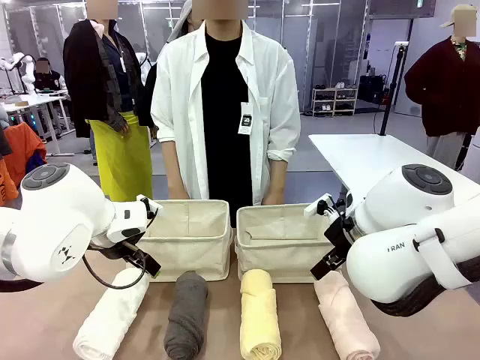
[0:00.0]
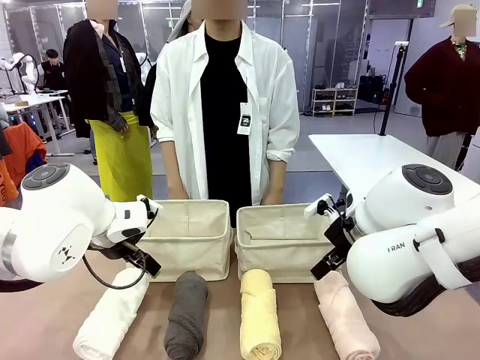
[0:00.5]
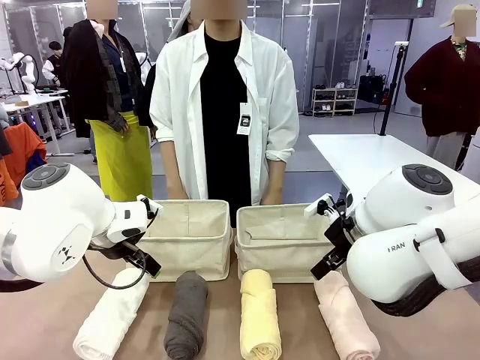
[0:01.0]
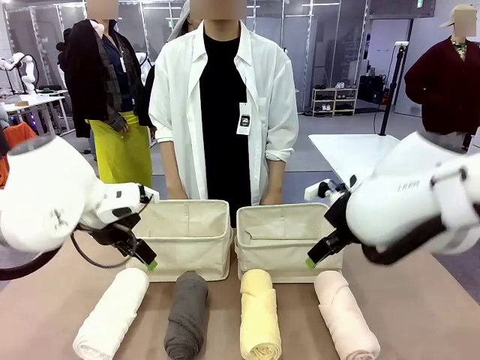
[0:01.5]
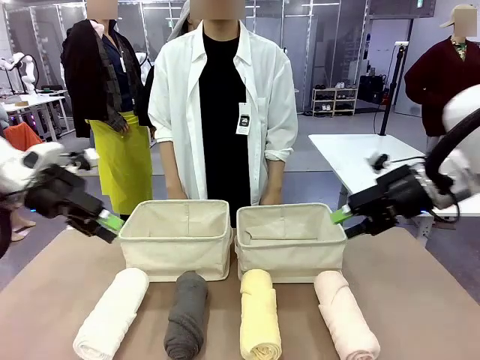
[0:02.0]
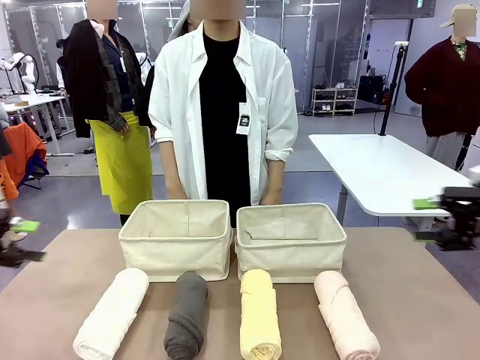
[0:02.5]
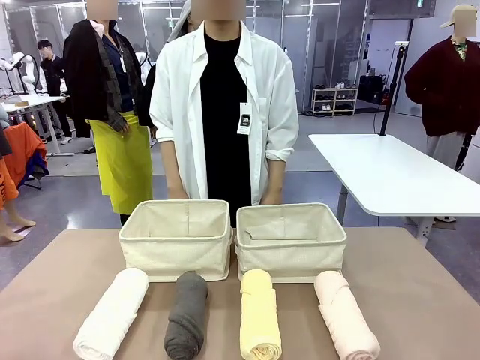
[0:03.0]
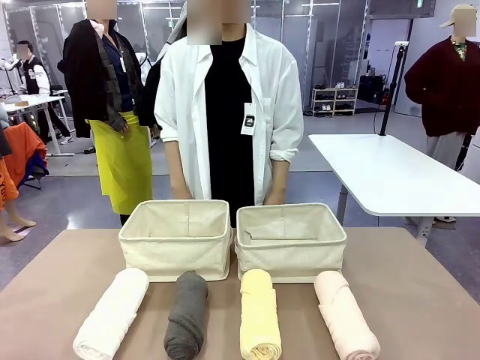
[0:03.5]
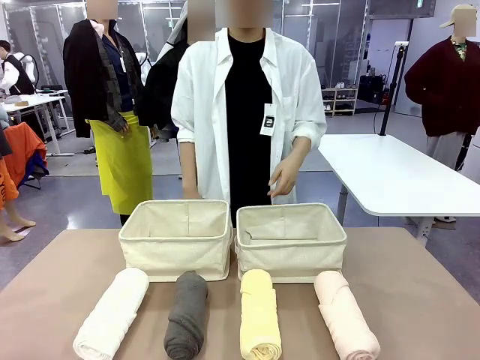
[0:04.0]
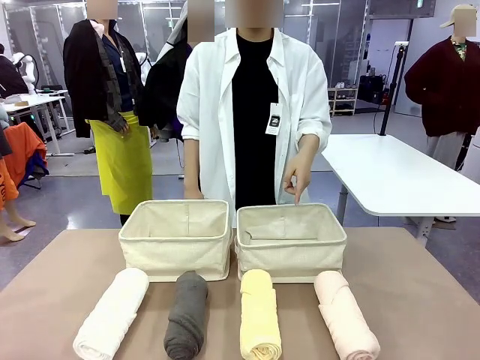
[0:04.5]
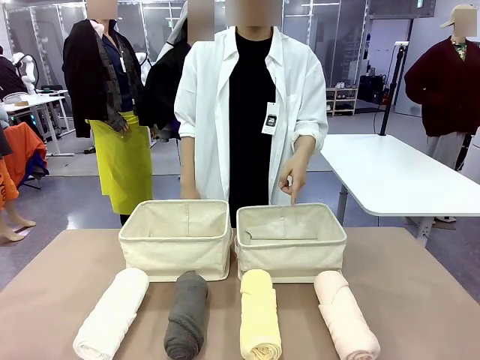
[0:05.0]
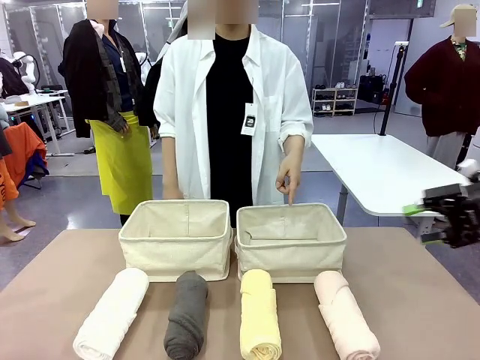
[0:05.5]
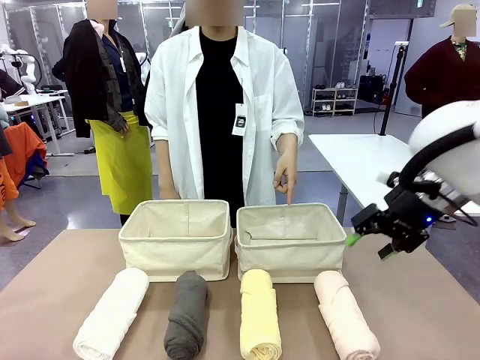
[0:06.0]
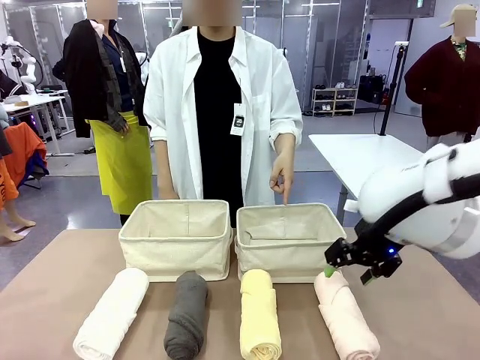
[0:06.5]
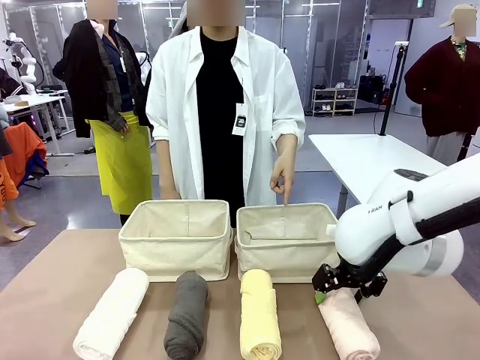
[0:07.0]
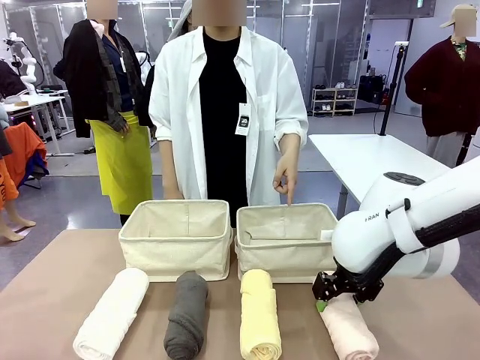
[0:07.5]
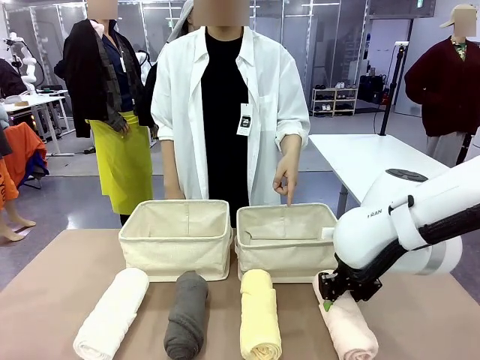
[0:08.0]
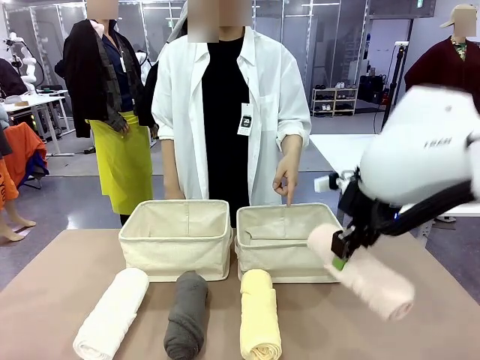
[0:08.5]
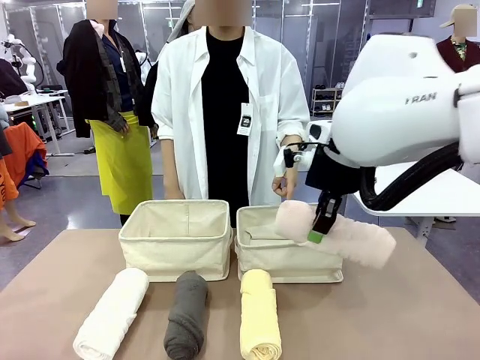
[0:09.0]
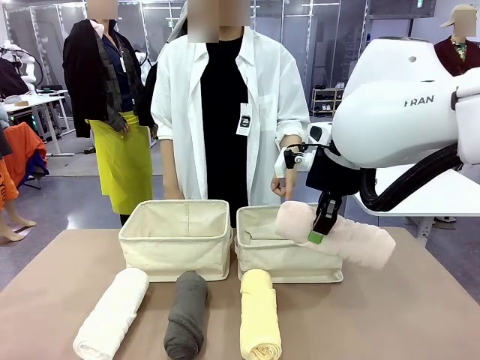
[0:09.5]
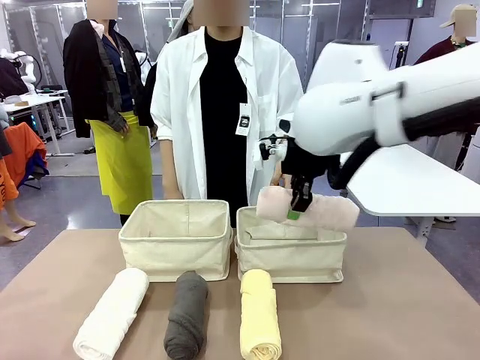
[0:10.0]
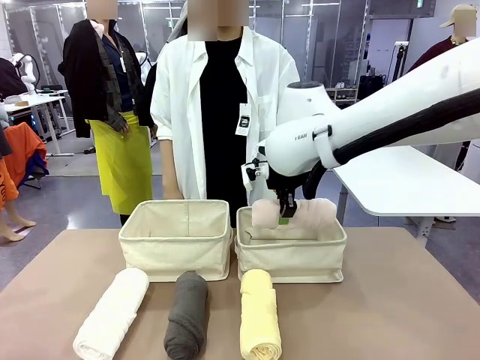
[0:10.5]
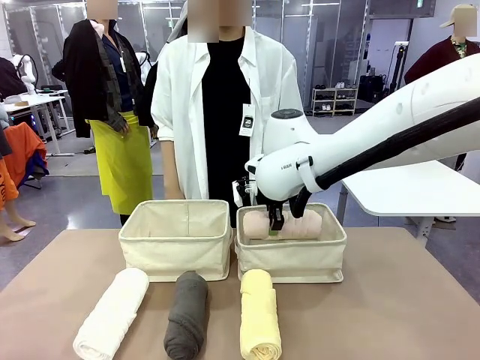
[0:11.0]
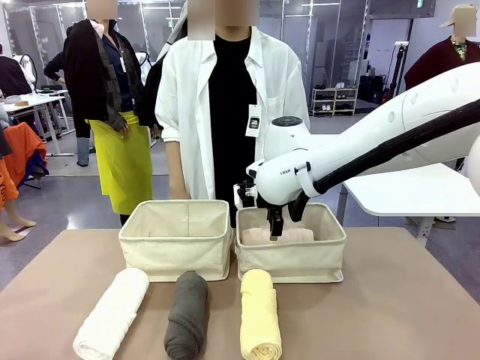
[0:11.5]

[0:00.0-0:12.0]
Task: Divide the towels into two baskets.
Robot: Pick up one hotel-folded towel and place it in the Fabric basket indicated by the person.

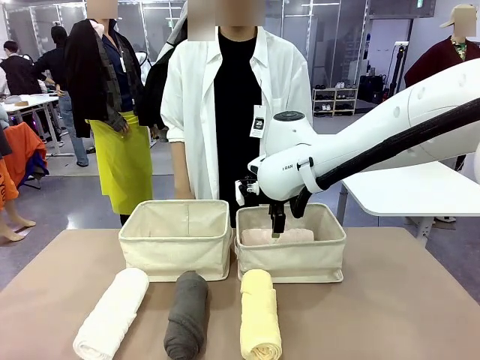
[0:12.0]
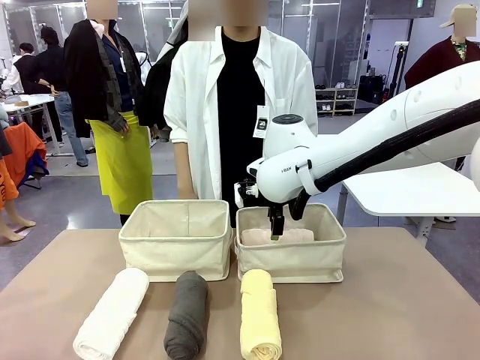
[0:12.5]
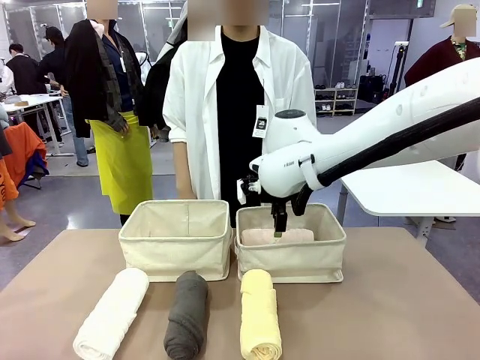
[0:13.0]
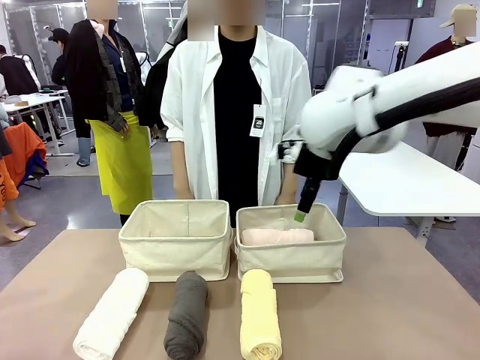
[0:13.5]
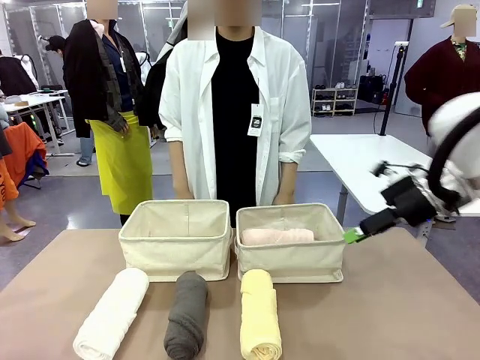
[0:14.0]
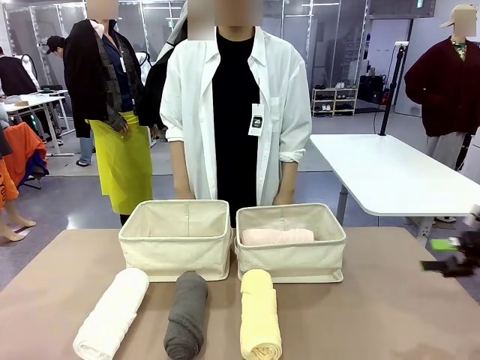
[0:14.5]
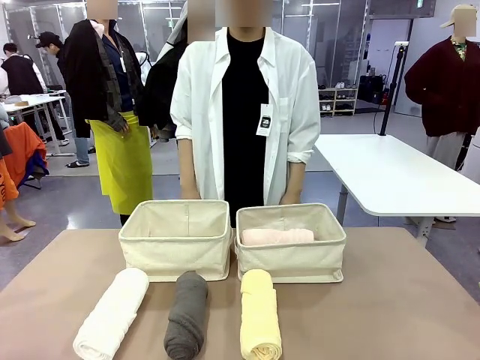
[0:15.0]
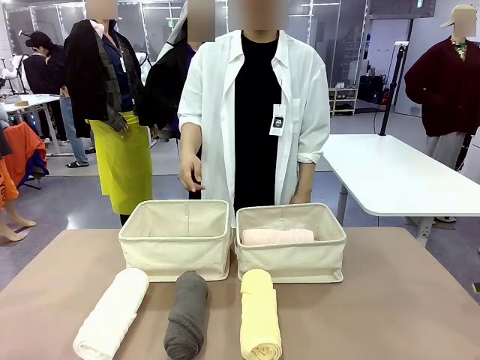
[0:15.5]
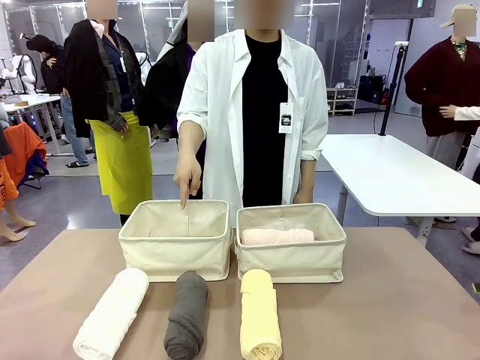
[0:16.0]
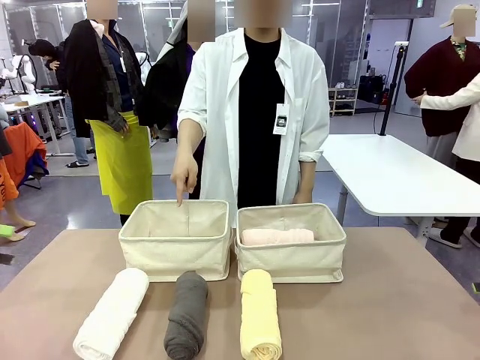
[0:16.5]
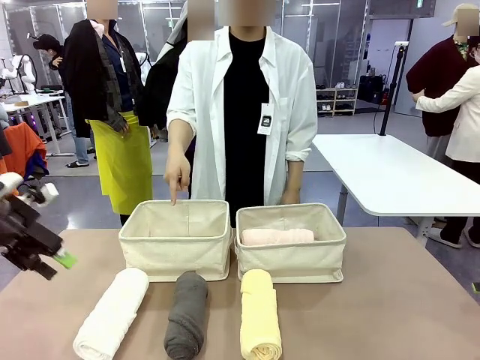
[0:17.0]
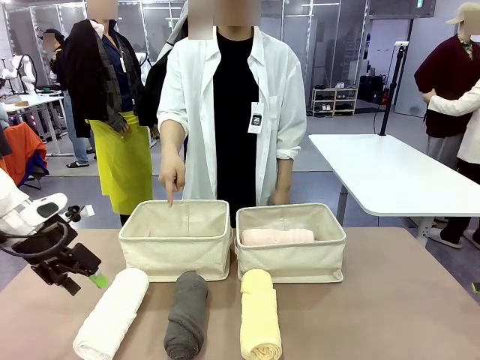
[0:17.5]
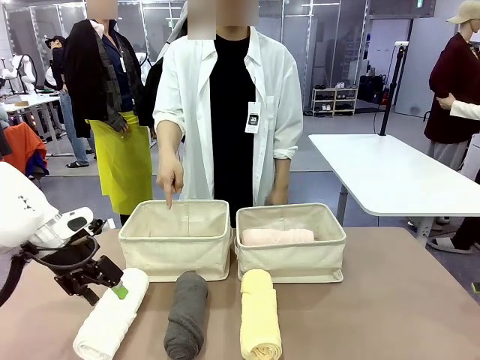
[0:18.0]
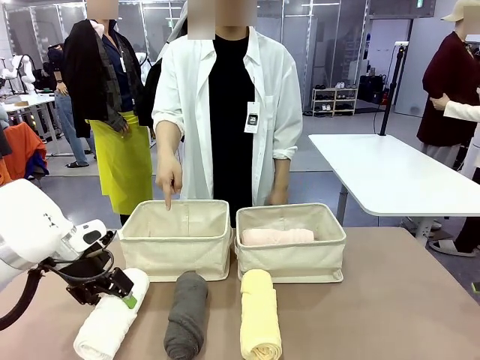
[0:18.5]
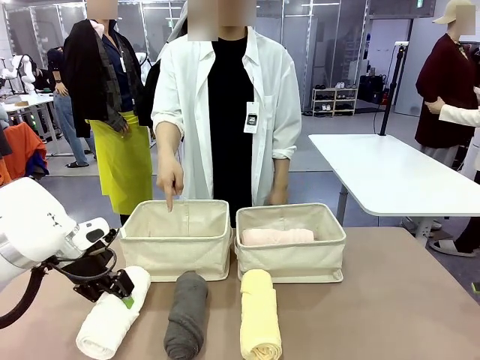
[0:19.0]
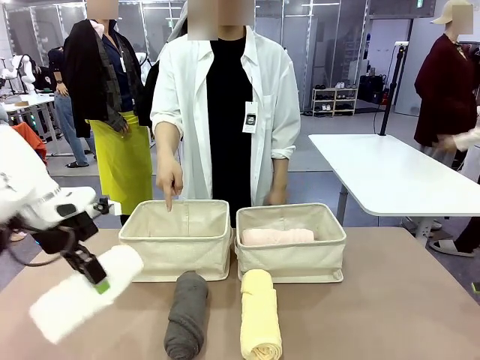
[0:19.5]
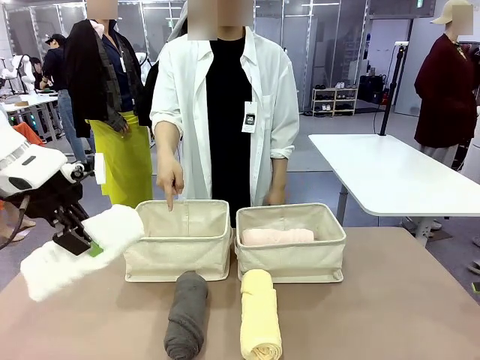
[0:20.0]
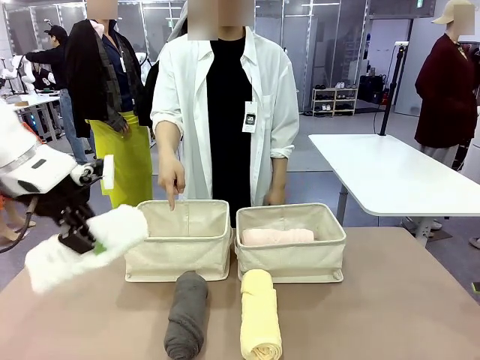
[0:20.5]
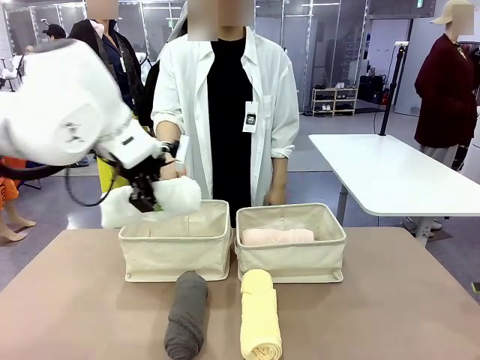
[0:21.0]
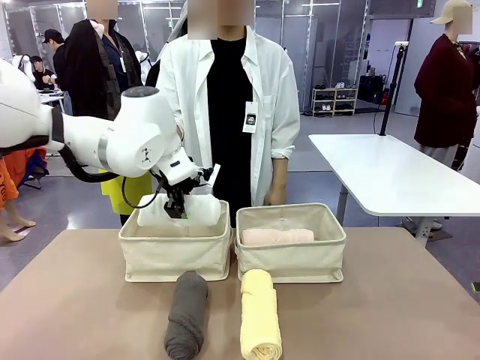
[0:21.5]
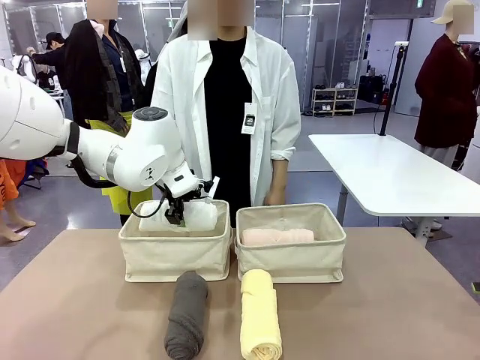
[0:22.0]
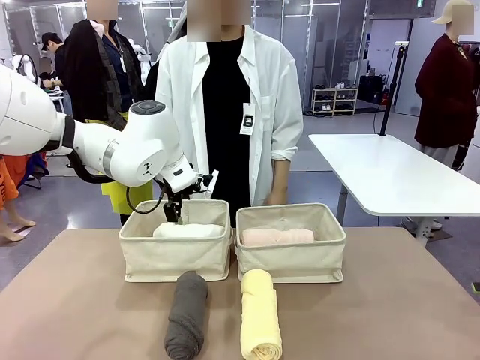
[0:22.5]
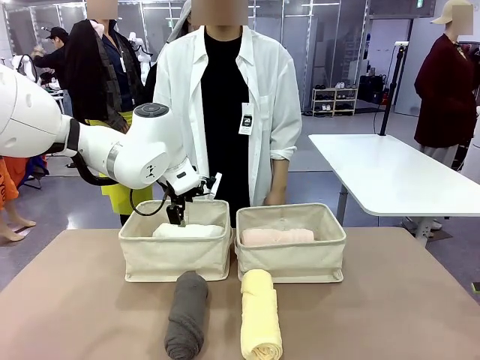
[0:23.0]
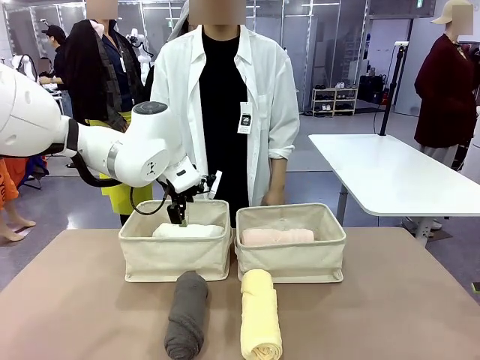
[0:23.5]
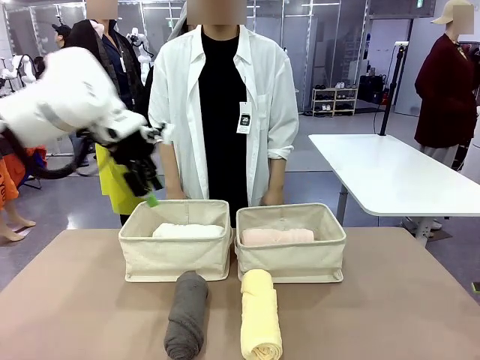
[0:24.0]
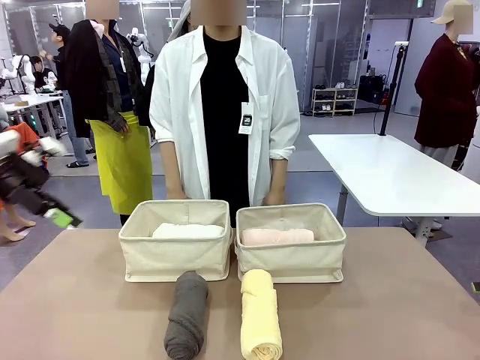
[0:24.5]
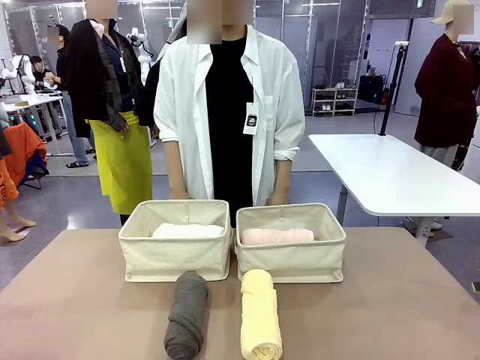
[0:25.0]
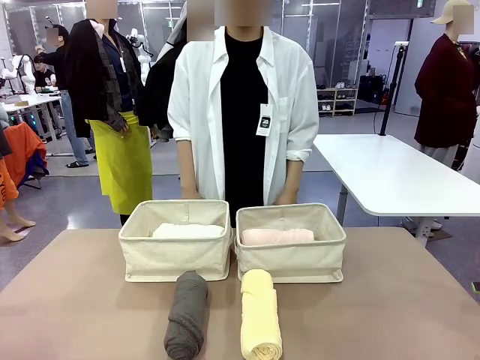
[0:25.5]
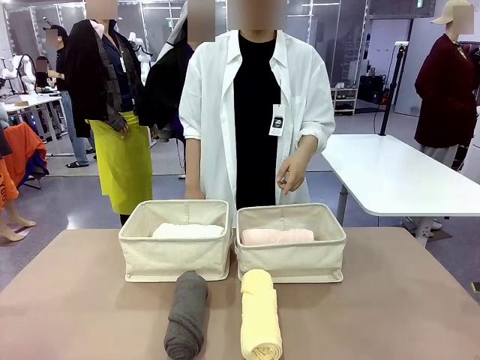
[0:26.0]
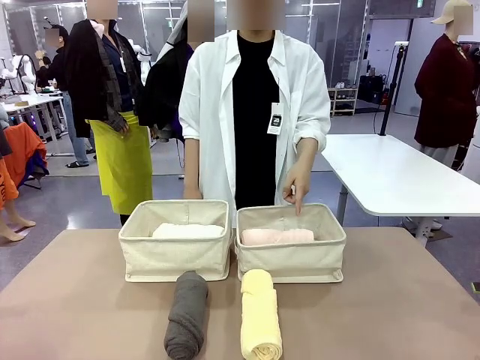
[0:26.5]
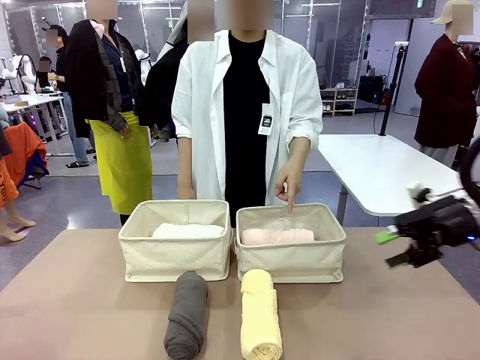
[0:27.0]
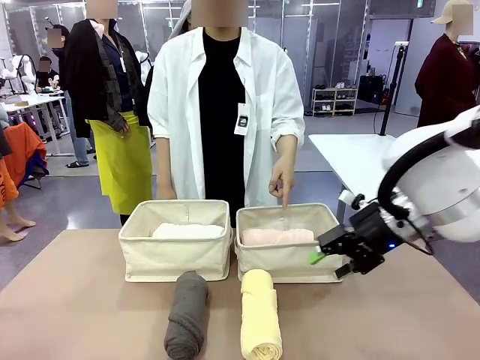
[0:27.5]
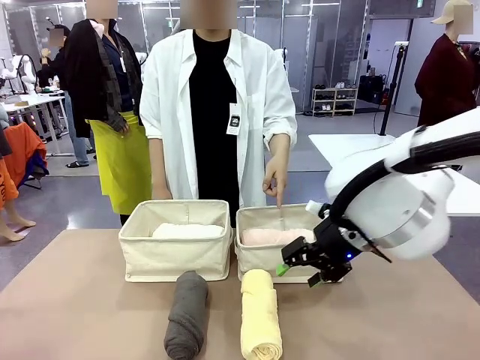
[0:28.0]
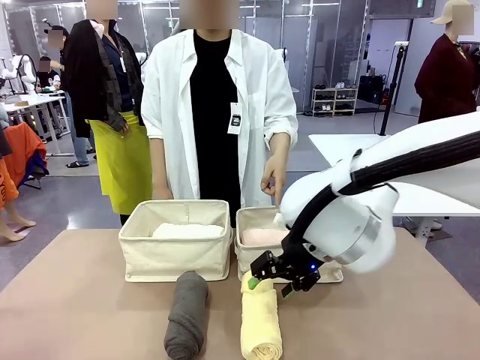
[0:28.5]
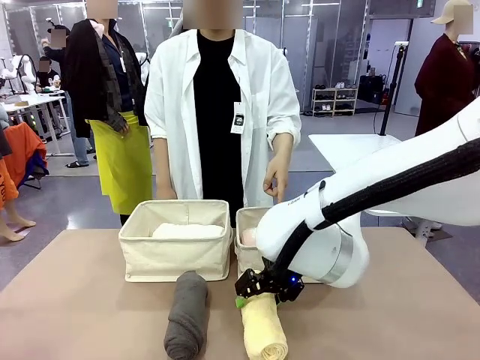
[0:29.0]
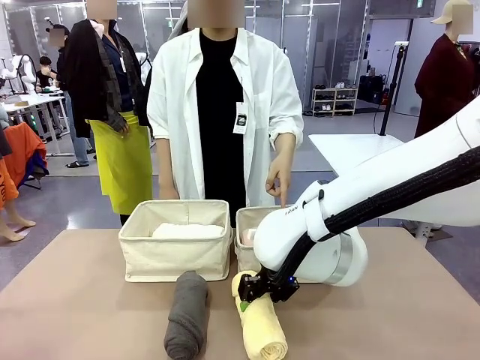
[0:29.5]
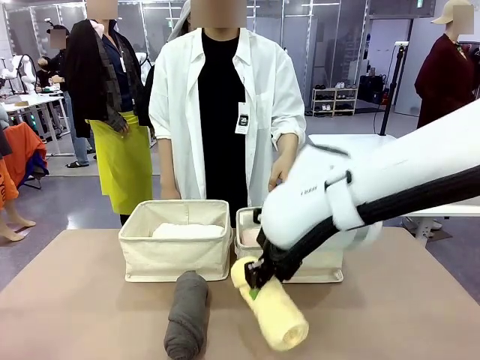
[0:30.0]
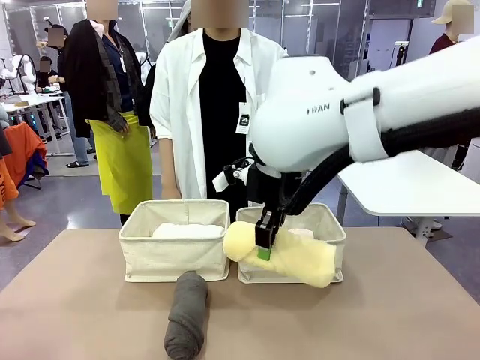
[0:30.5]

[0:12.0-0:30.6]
Robot: Pick up one hotel-folded towel from the bottom of the table and place it in the Fabric basket indicated by the person.
